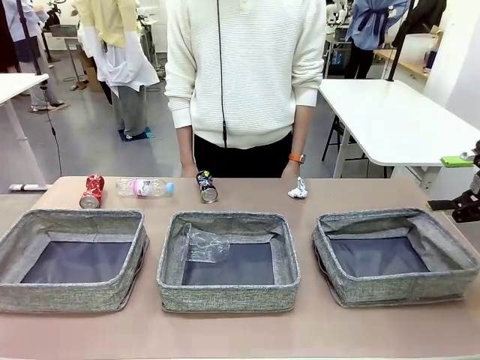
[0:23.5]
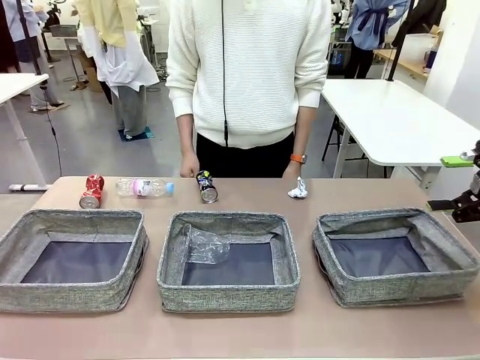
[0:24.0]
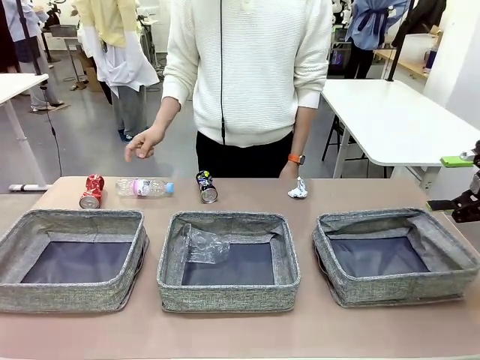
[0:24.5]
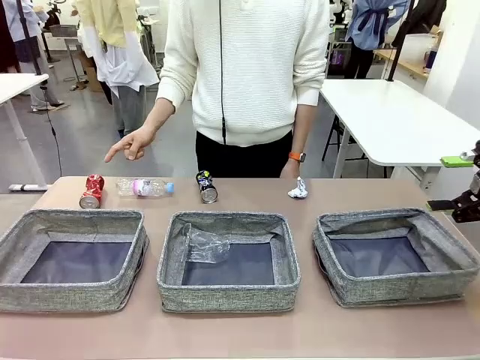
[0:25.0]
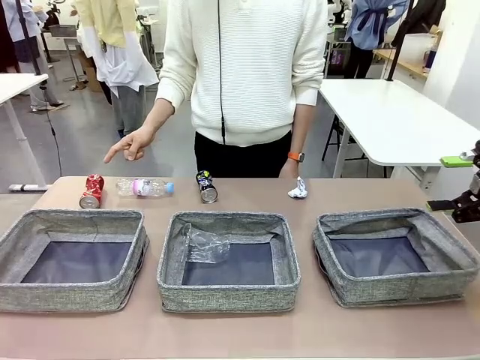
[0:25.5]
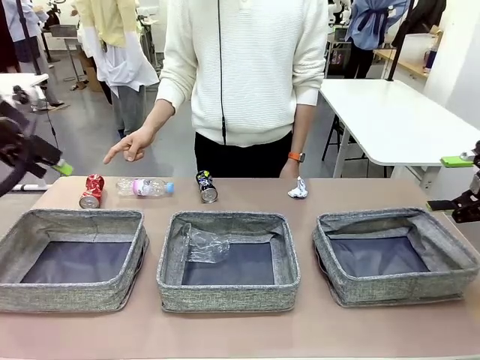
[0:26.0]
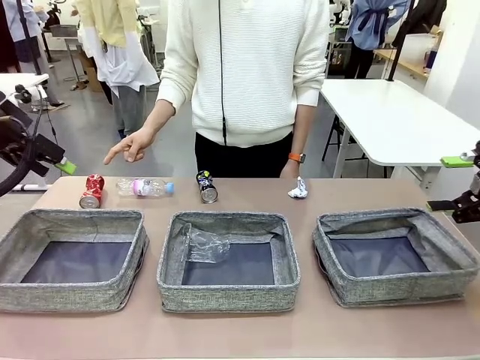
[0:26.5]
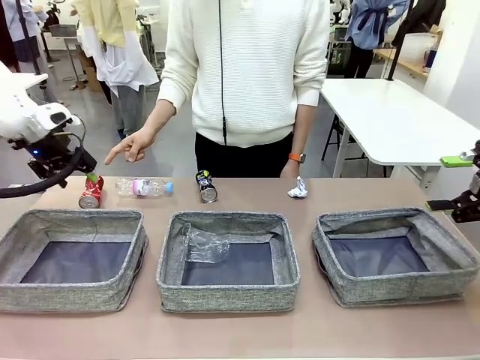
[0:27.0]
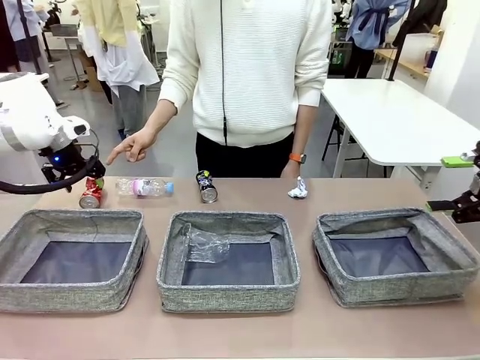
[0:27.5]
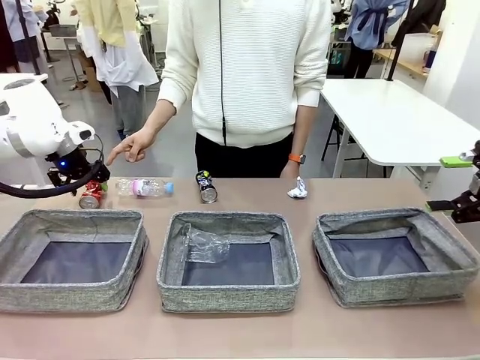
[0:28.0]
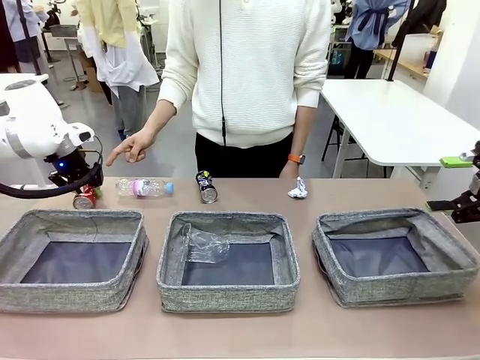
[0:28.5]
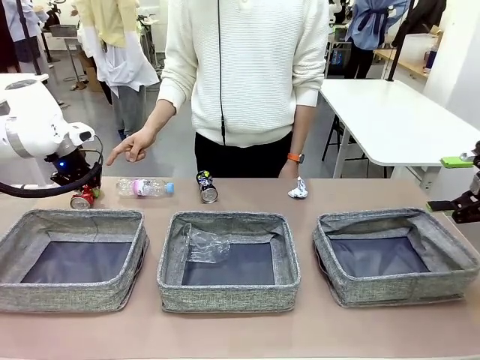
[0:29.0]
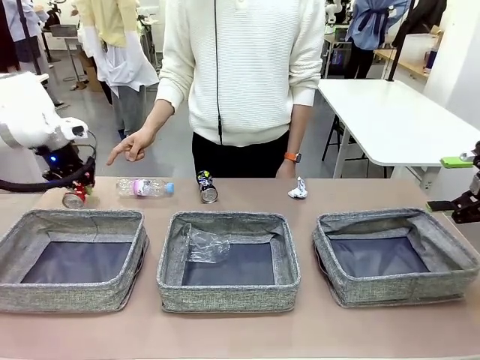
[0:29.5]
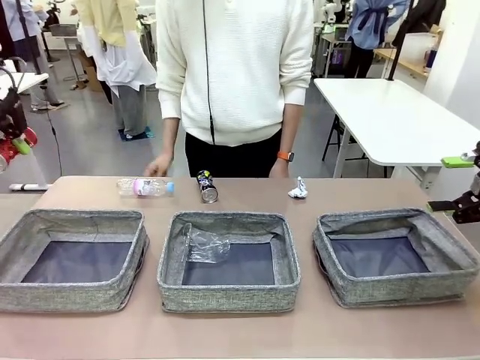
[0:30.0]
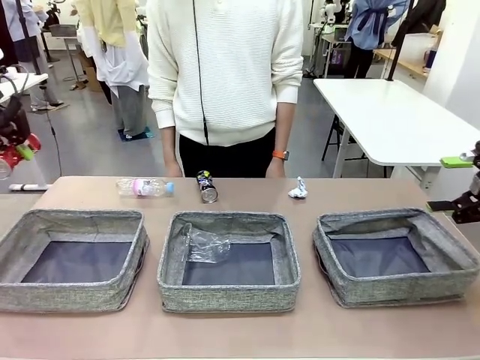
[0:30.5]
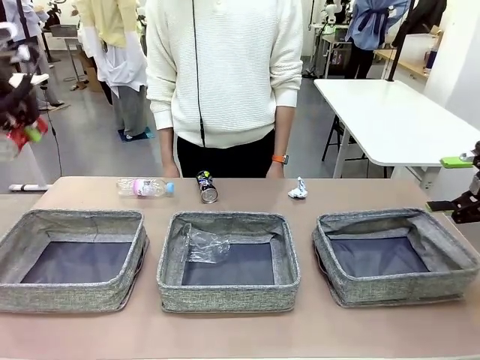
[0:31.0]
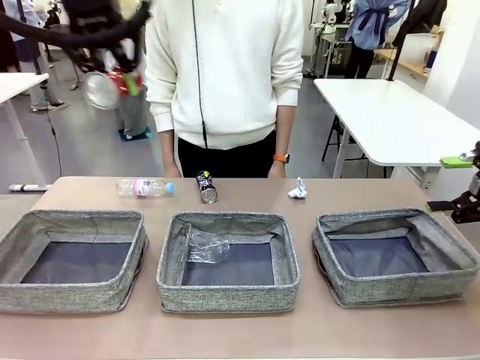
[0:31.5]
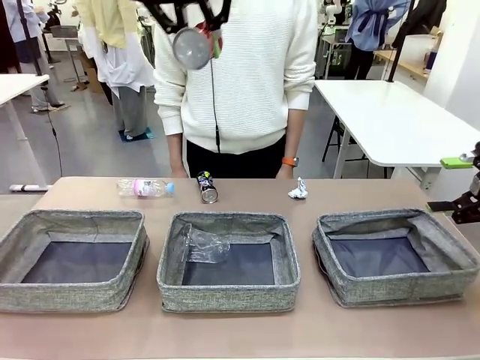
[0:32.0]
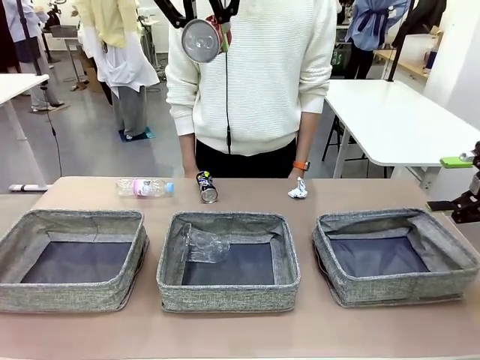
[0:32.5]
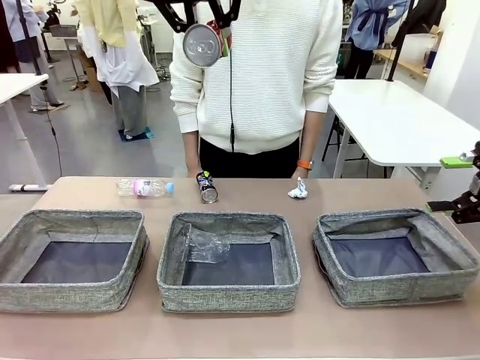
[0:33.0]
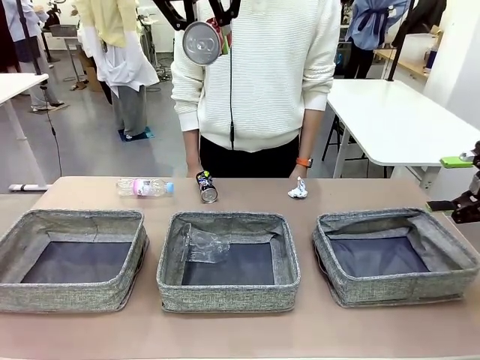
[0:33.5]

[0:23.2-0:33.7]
Task: Sort the waste into the appropriate baskets.
Robot: Pick up the waste item pointed out by the person.
Person: Points to one piece of trash on the table.

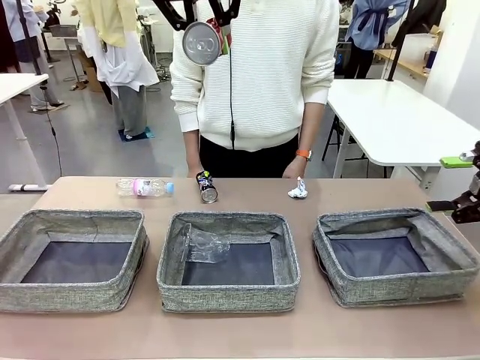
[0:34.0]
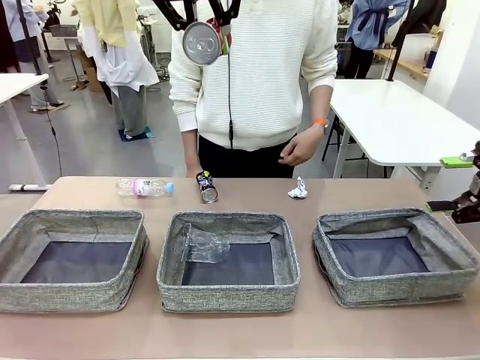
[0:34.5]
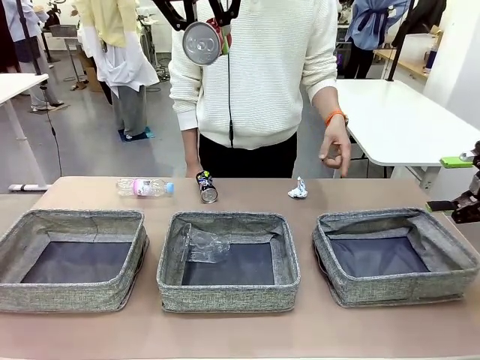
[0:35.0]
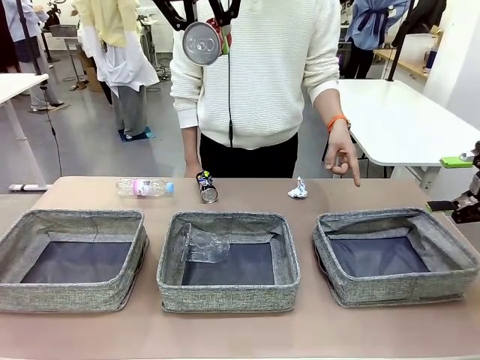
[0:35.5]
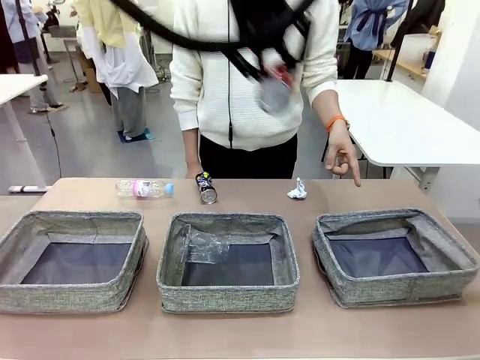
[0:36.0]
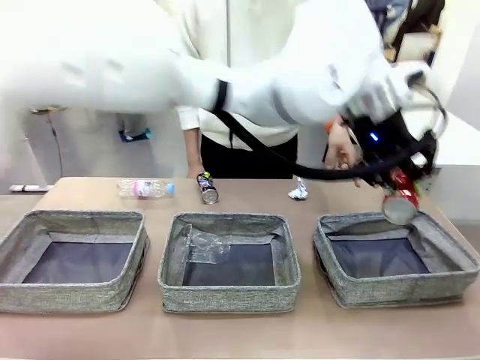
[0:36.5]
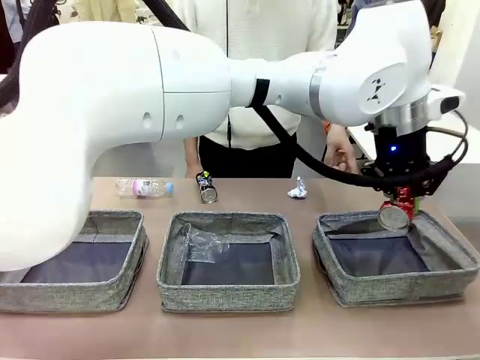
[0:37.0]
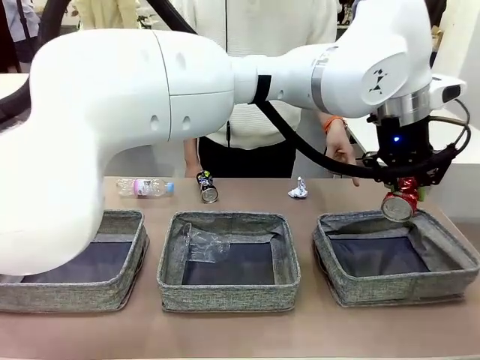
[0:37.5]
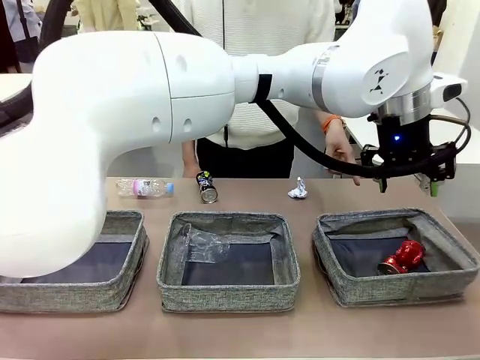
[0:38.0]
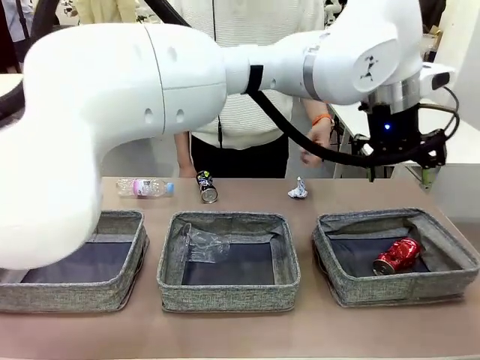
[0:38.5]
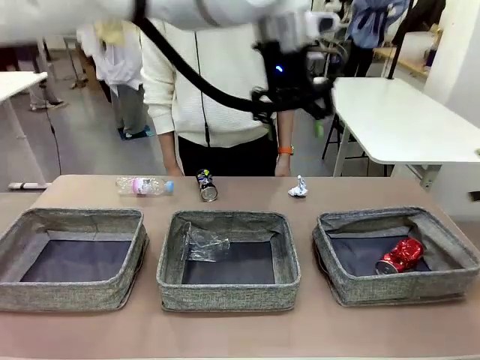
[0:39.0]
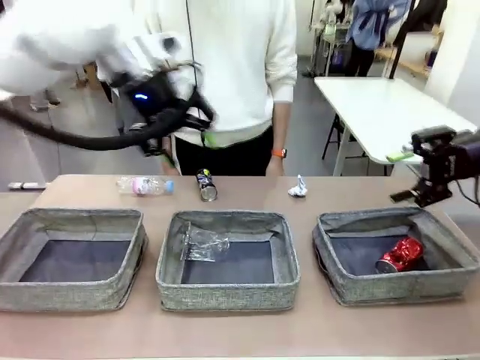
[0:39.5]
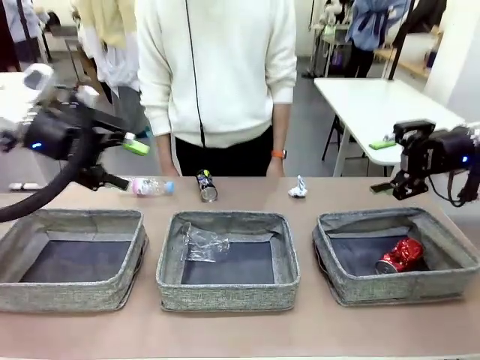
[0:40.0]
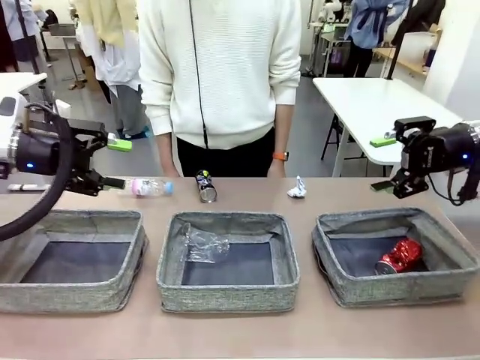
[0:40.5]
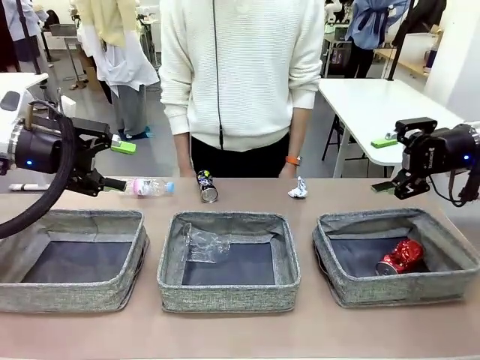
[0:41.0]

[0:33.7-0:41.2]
Robot: Place the picked waste into the Fabric basket indicated by the person.
Person: Instructs the robot to place the picked-up trash into the appropriate organizing basket.

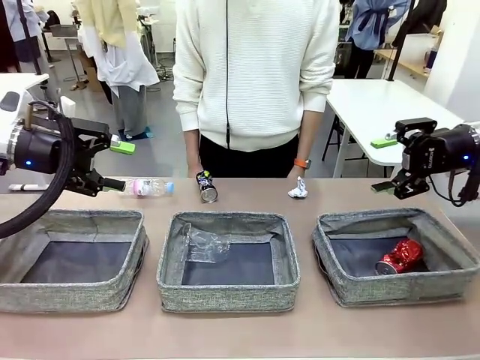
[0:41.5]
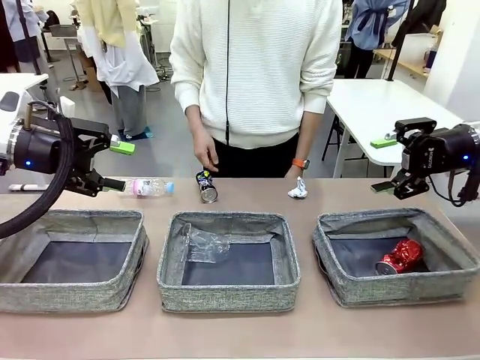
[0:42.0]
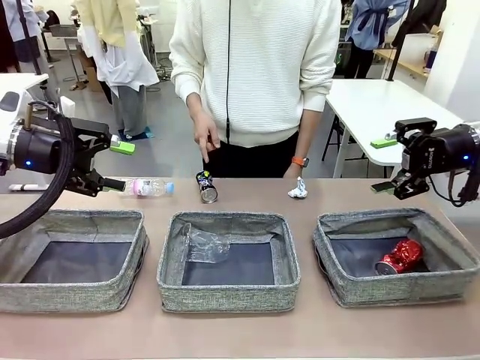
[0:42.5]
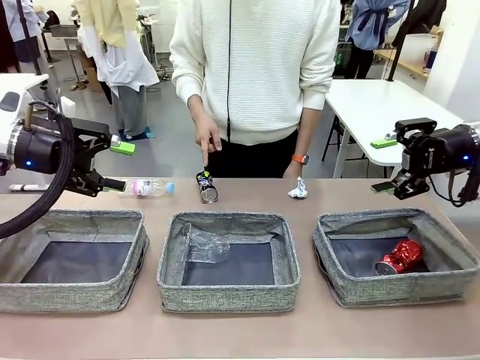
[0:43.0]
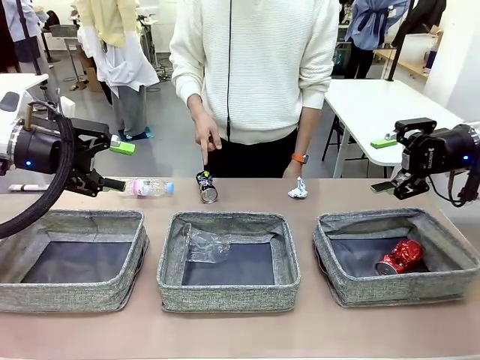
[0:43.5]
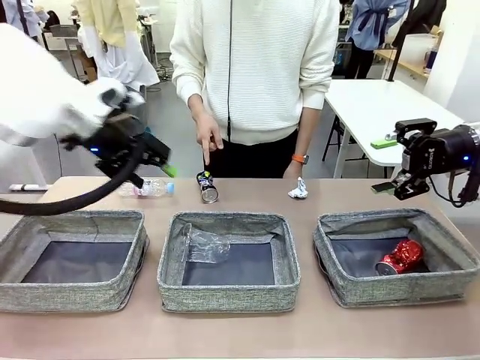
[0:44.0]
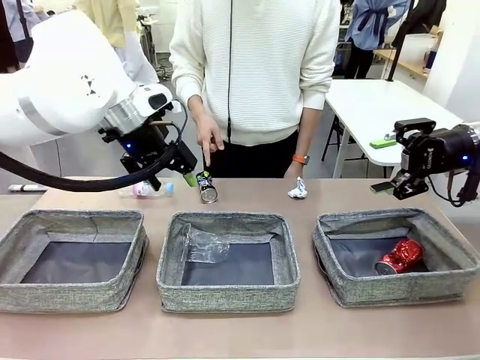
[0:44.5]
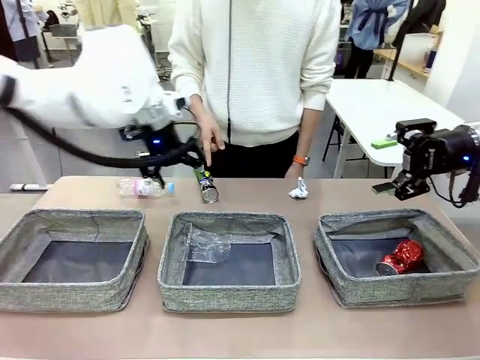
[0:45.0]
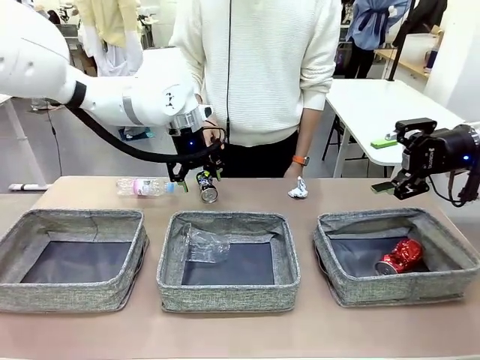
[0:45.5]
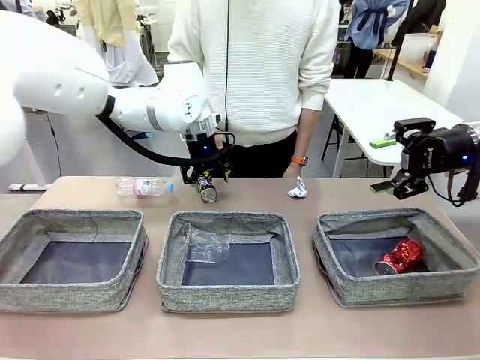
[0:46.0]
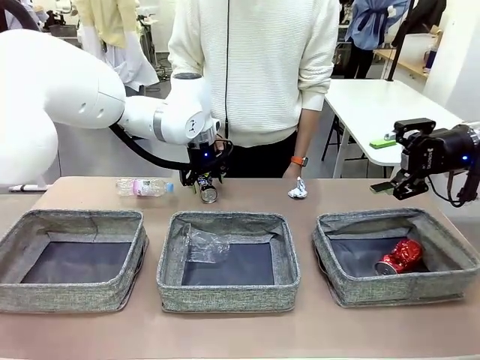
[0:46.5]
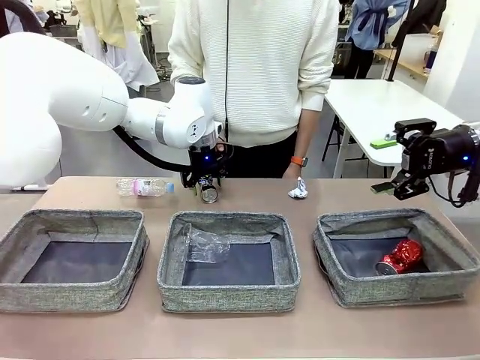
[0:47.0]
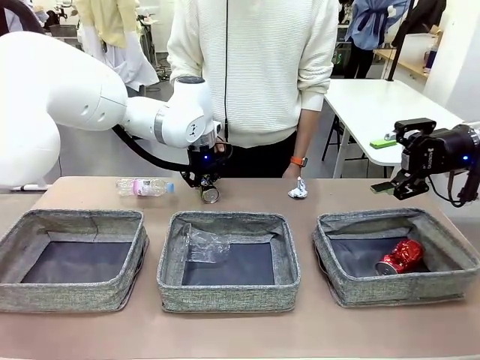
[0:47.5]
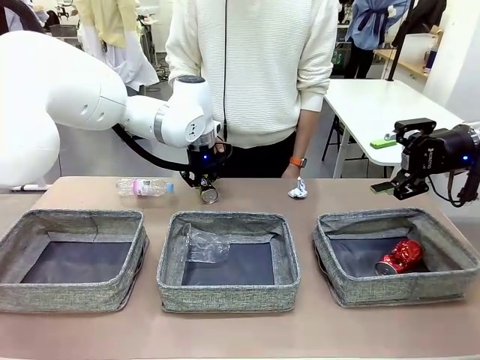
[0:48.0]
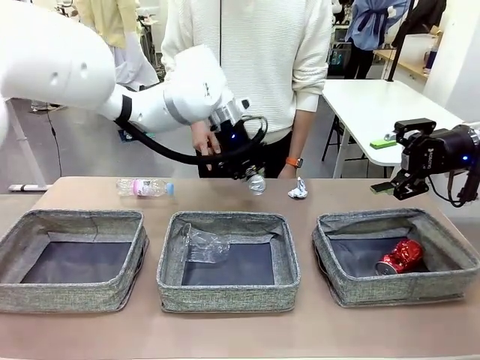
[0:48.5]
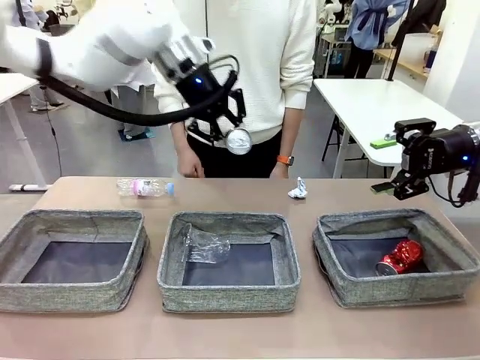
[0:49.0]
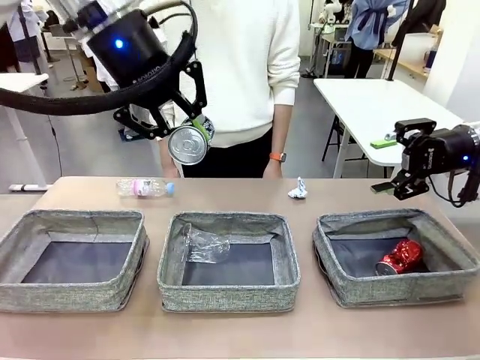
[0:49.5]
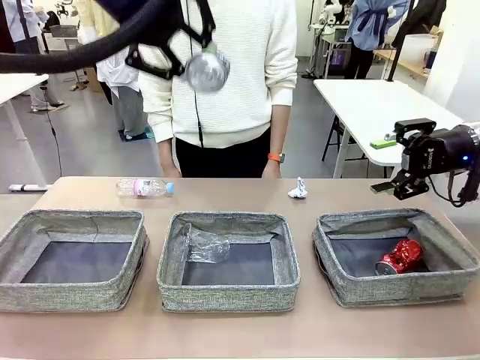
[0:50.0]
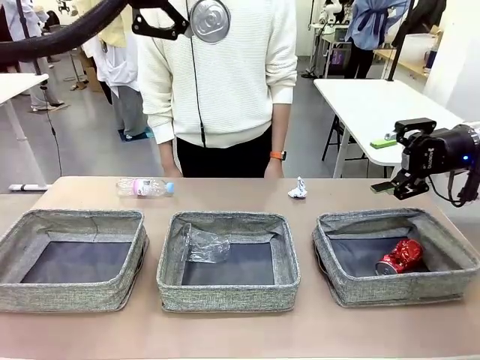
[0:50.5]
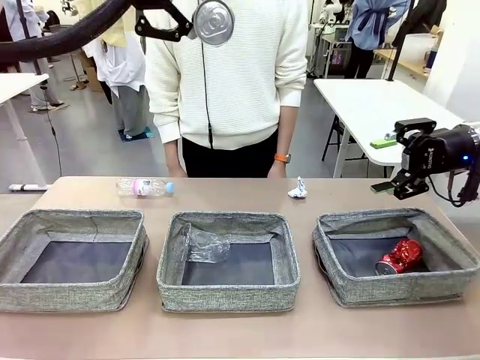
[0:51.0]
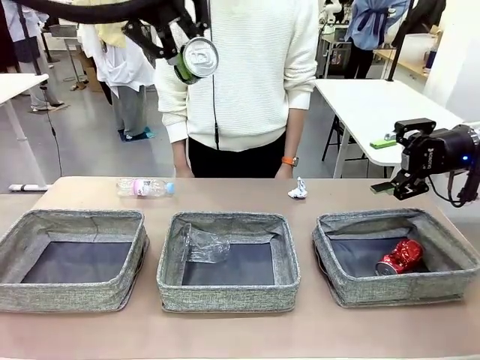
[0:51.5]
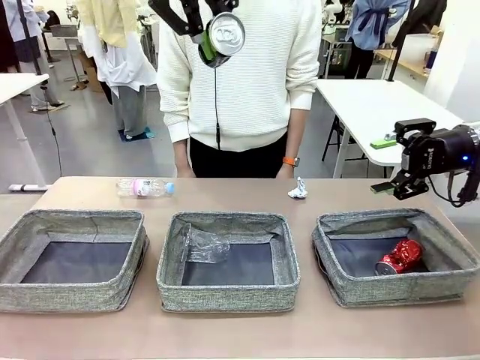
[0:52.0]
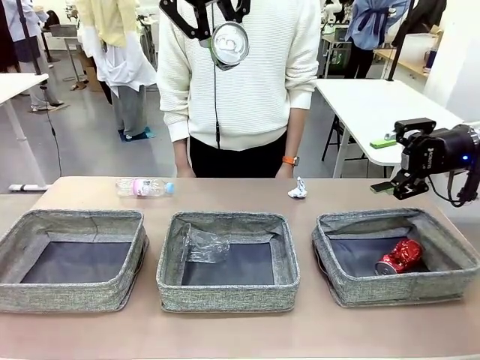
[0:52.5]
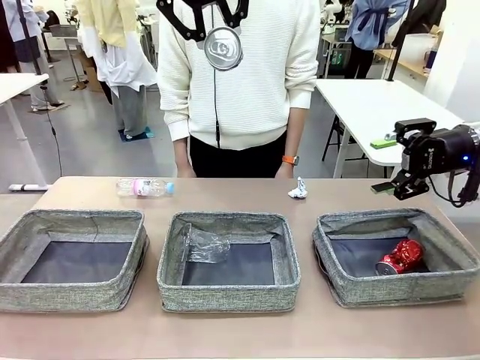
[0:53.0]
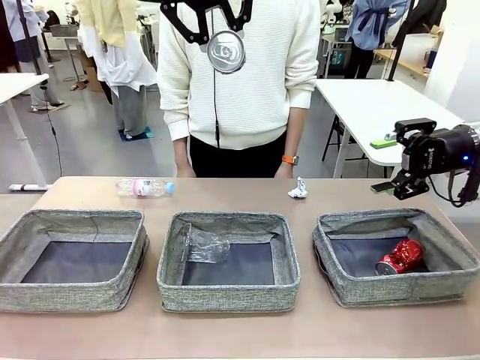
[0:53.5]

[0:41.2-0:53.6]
Robot: Pick up the waste item pointed out by the person.
Person: Points to one piece of trash on the table.
